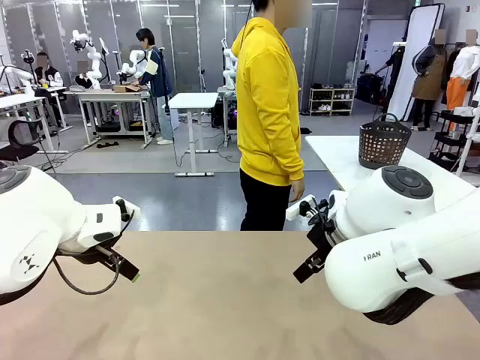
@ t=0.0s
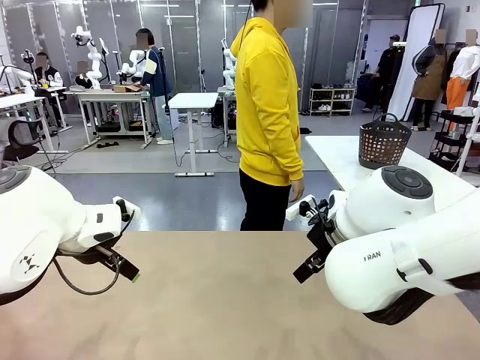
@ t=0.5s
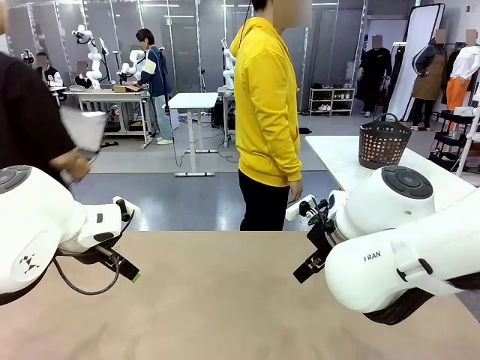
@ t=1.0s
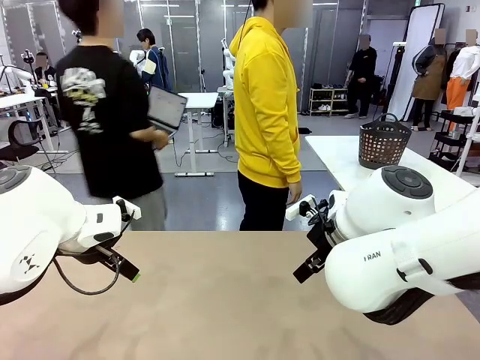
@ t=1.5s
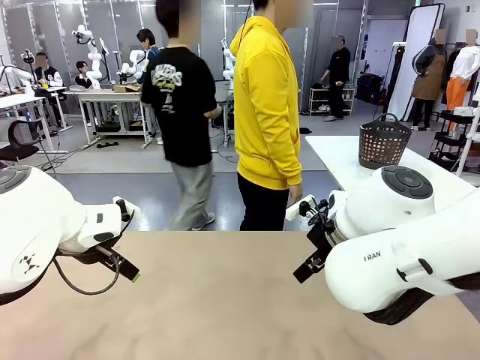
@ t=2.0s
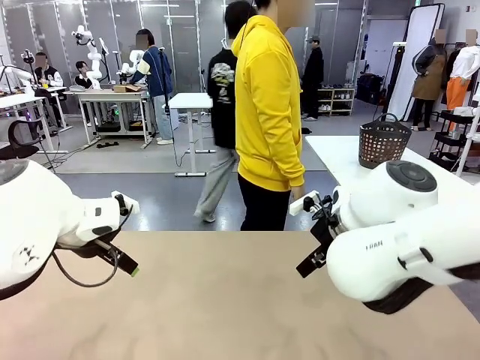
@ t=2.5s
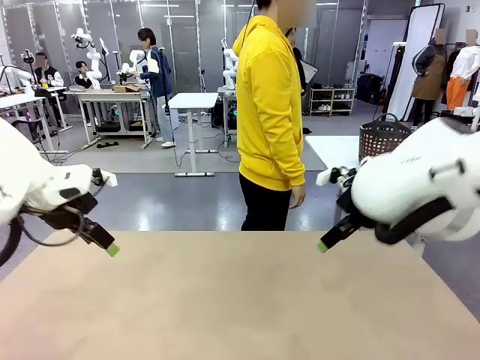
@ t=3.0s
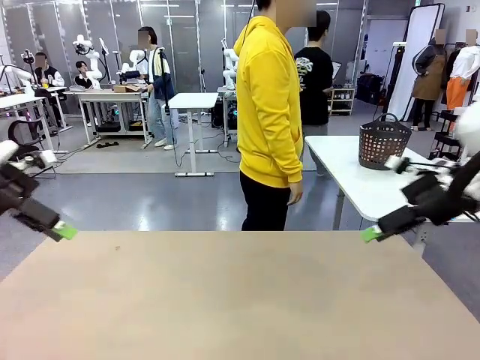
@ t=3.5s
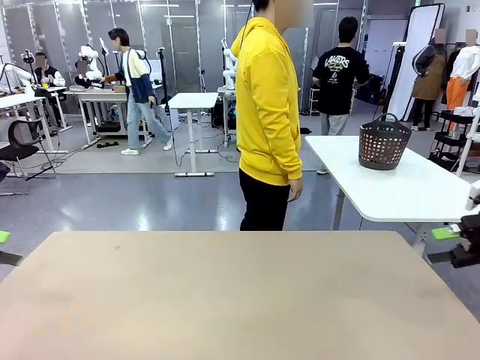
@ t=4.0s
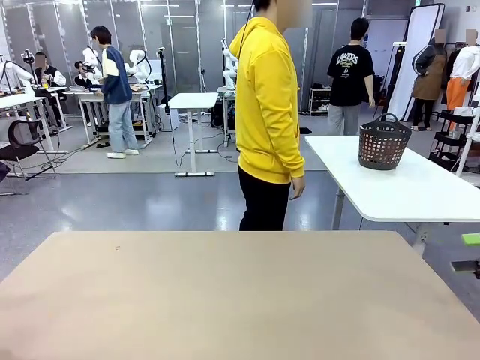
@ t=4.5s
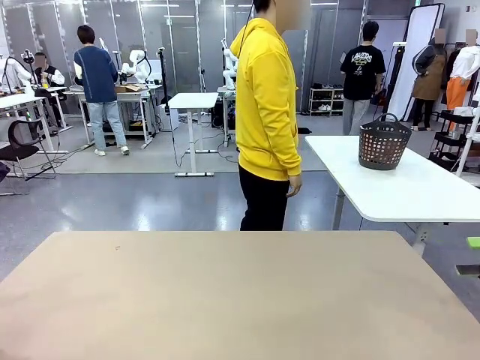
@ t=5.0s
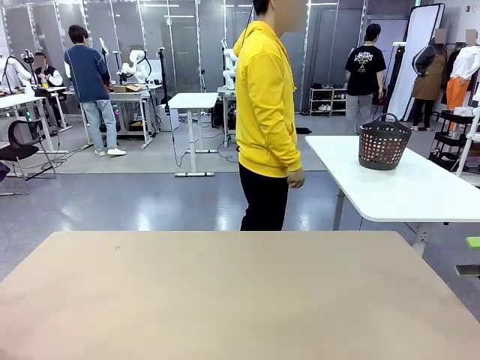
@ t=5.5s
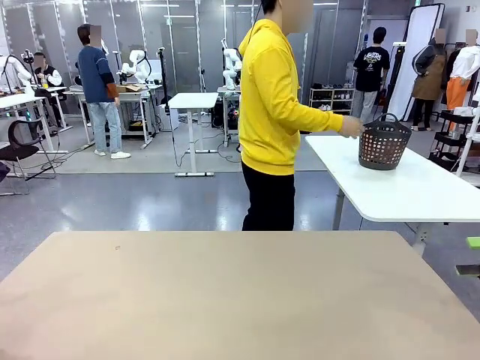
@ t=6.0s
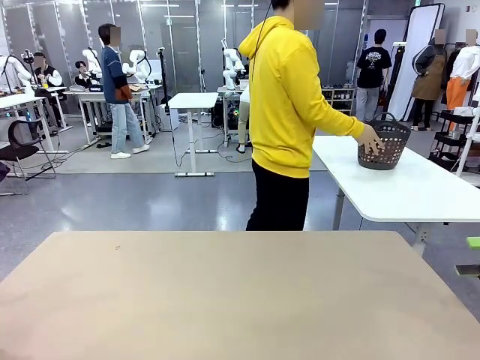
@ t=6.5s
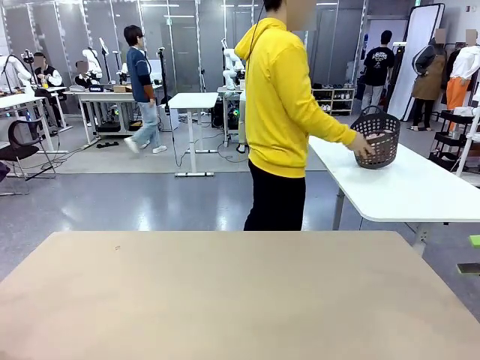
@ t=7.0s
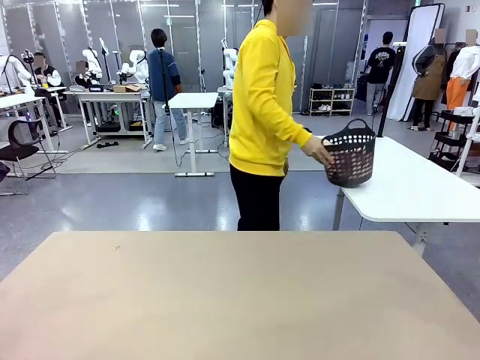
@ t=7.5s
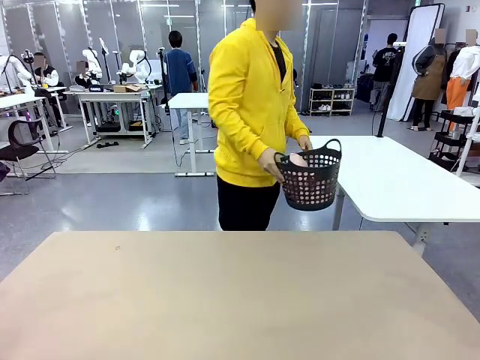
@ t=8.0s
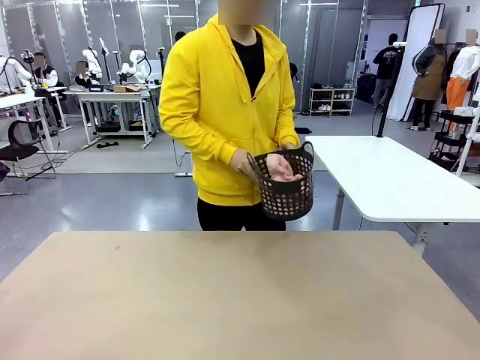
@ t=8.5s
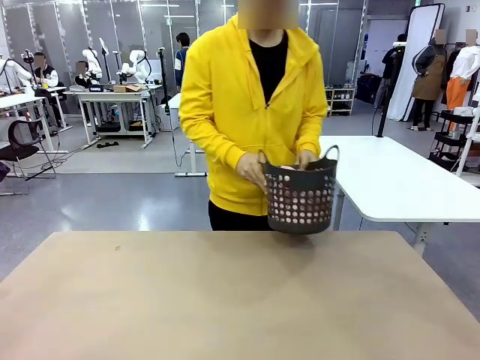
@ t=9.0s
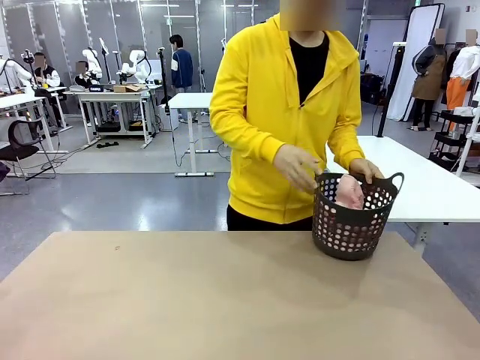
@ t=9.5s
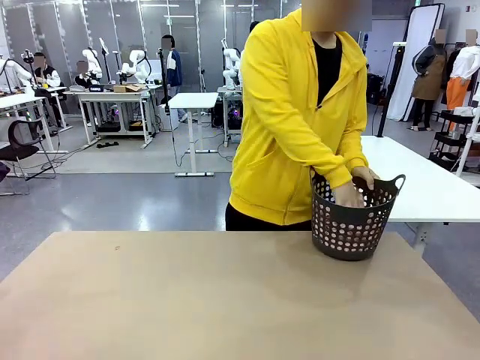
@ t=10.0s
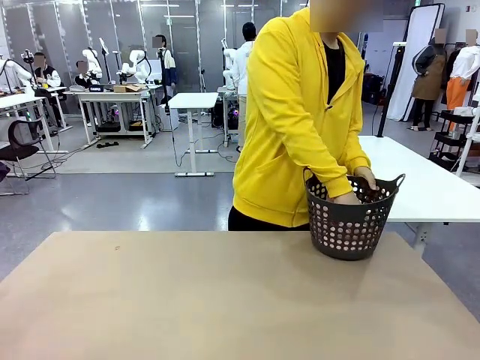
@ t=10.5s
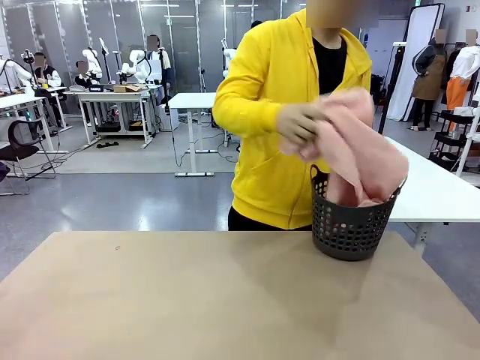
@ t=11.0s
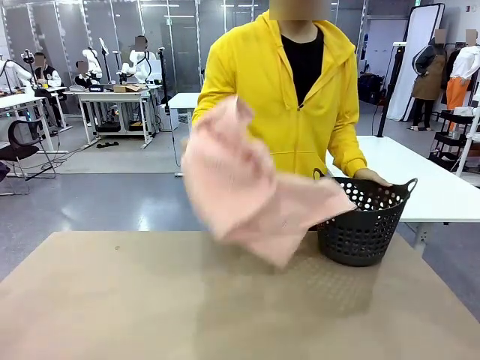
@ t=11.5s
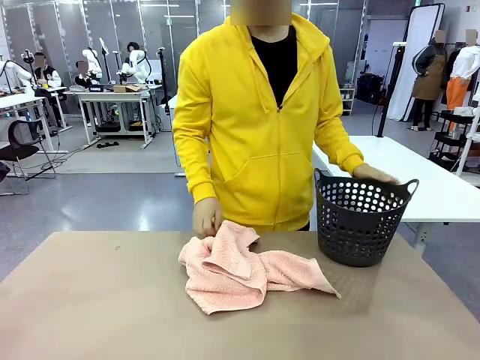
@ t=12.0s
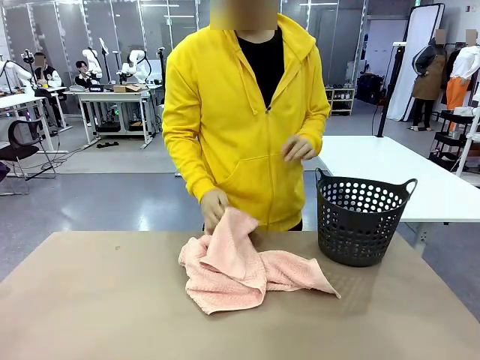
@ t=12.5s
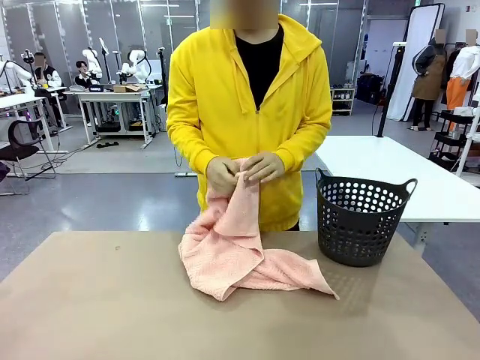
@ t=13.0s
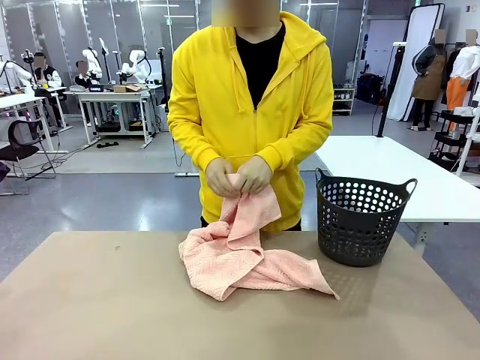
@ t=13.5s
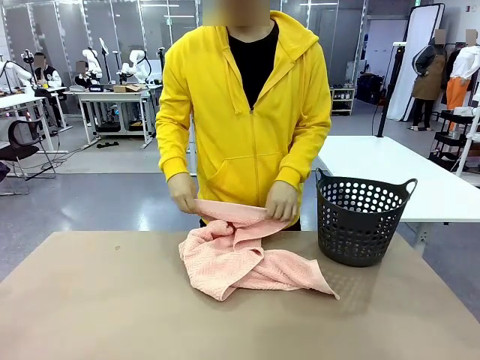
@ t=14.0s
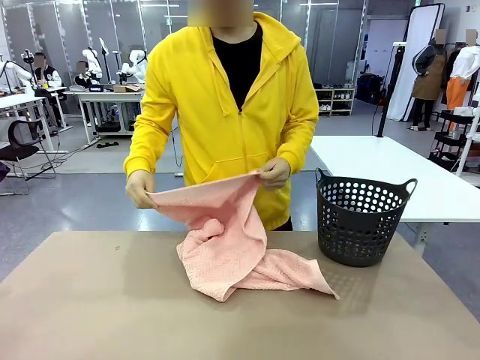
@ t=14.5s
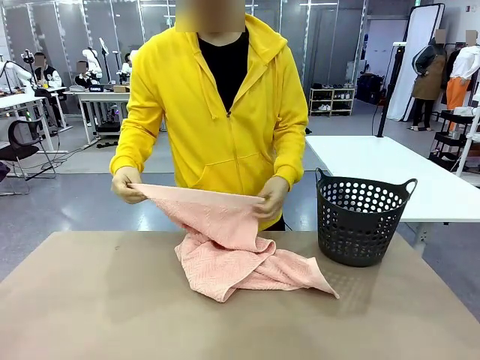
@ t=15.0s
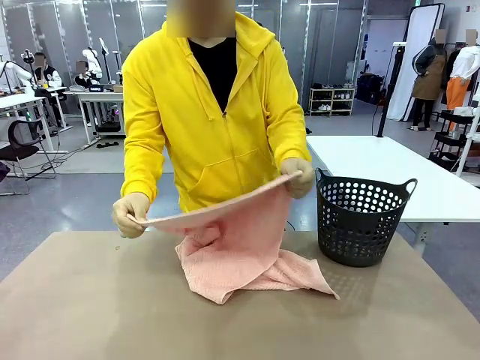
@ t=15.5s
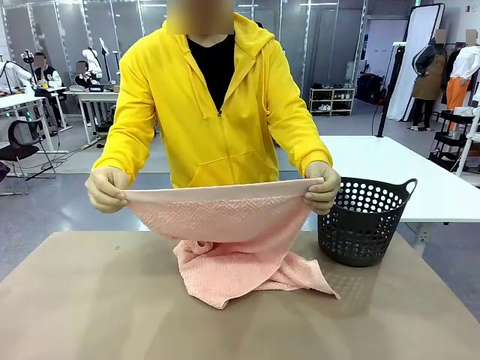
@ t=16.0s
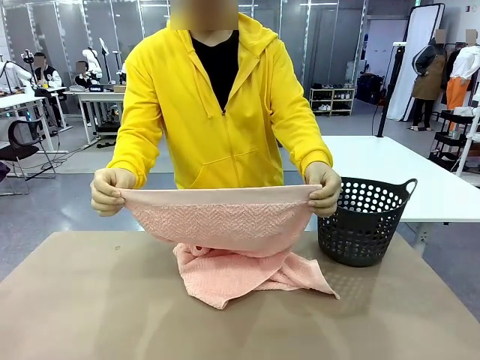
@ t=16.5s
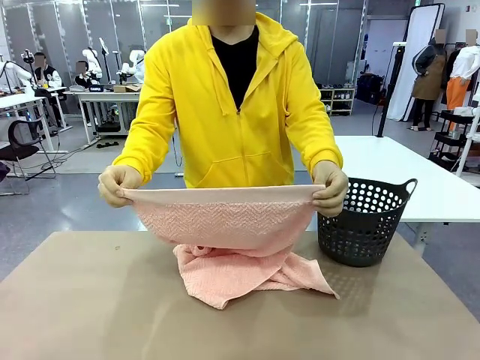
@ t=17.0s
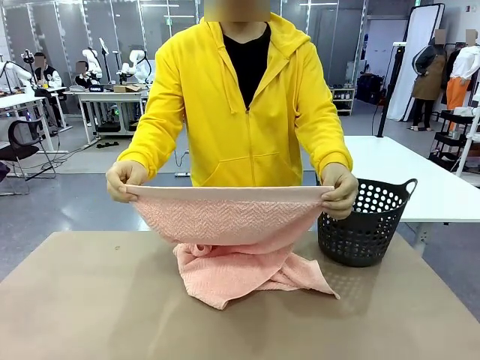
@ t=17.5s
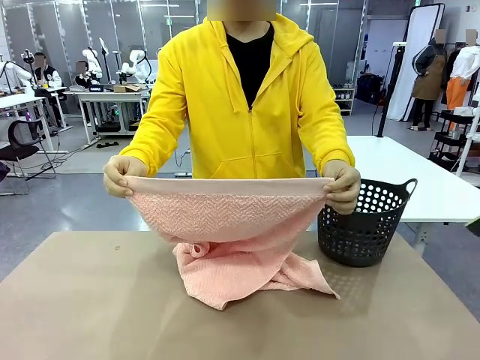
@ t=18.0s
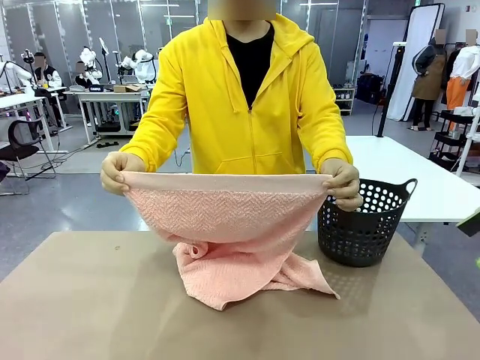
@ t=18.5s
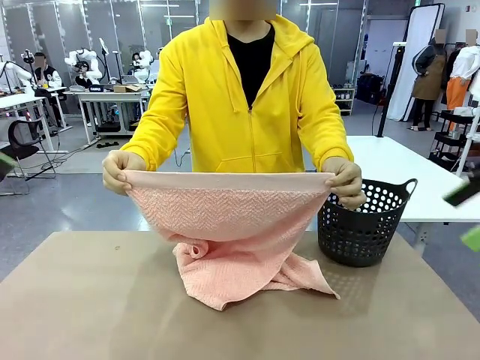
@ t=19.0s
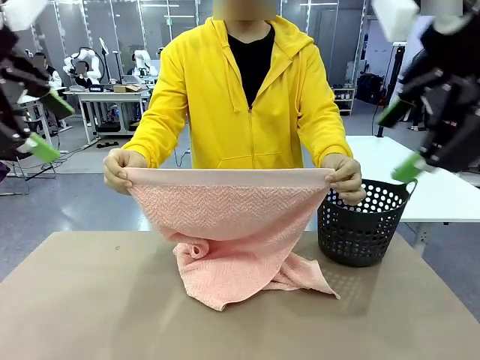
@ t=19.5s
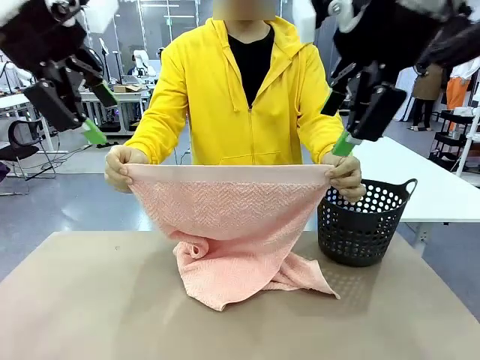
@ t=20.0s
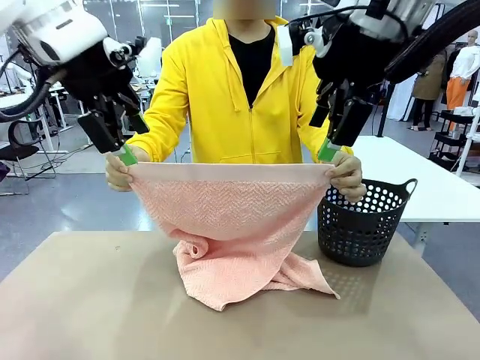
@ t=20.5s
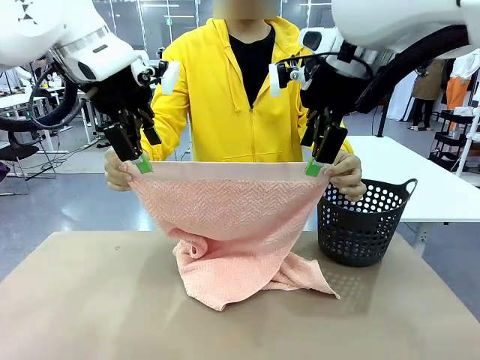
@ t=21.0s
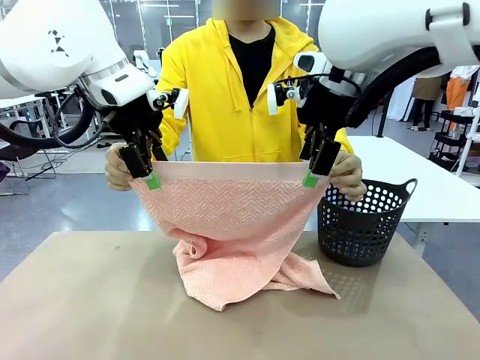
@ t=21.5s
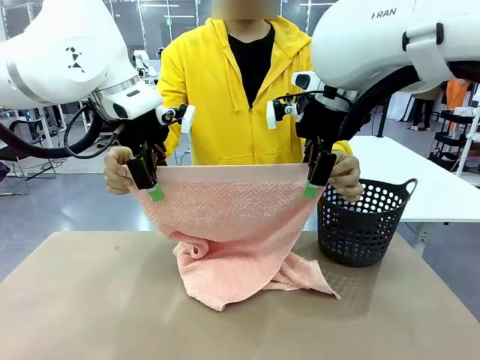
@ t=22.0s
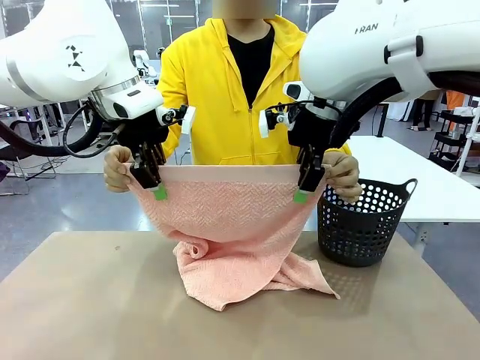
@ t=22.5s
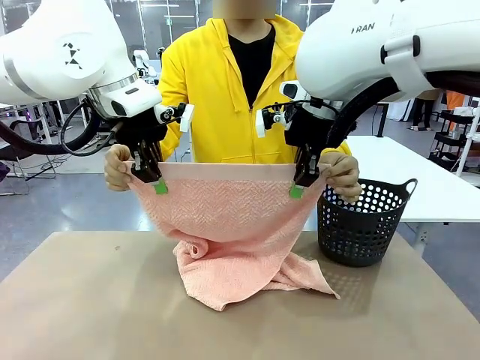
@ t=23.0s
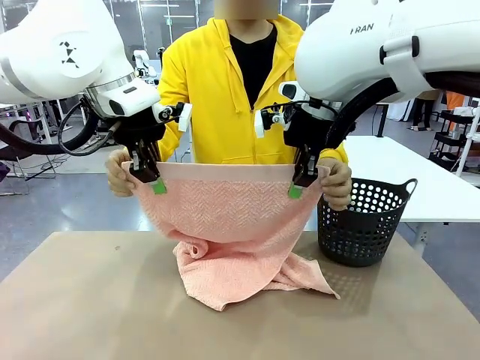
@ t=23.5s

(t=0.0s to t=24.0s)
Task: Fold the towel.
Robot: Grab the top end of the 100 cm Hotel Towel extended by the human.
Person: Pick up the laundry basket, place it on the left side of the robot table, then take out a towel and hand it to the robot while holding both corners of one end.
